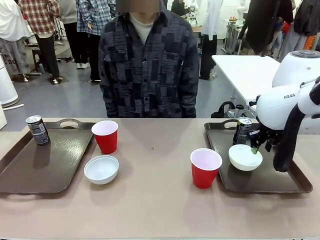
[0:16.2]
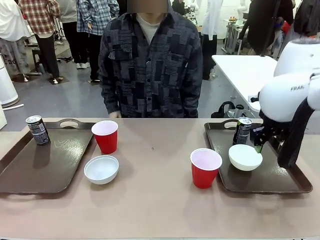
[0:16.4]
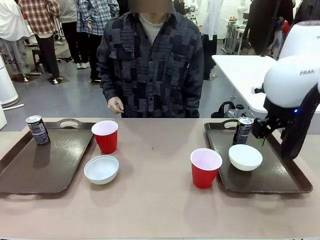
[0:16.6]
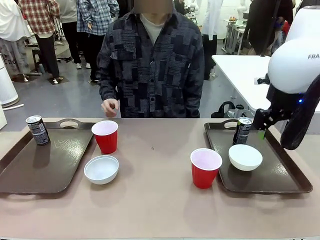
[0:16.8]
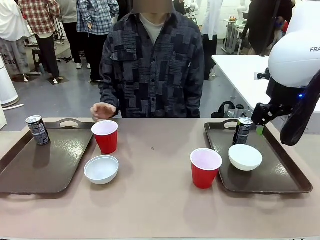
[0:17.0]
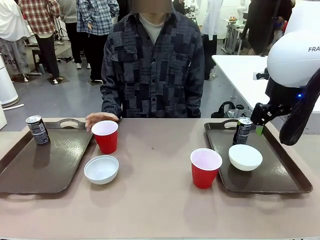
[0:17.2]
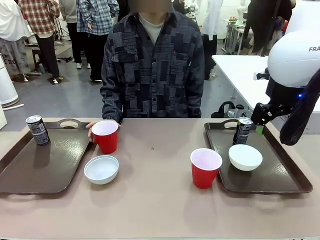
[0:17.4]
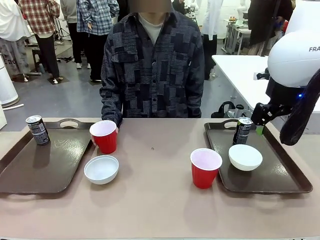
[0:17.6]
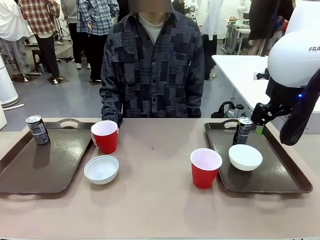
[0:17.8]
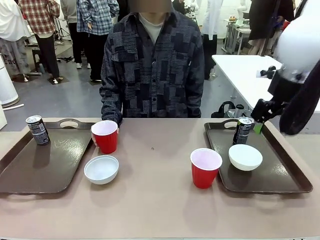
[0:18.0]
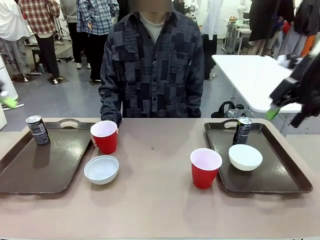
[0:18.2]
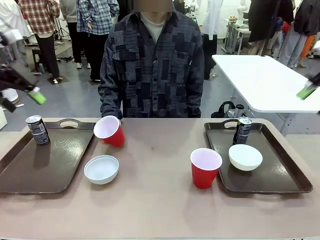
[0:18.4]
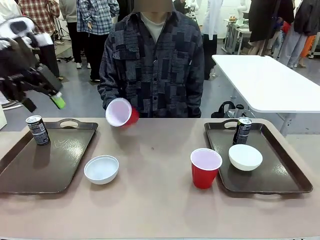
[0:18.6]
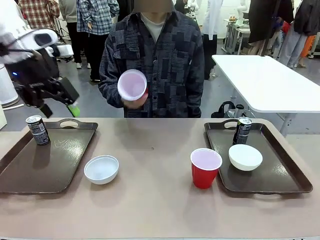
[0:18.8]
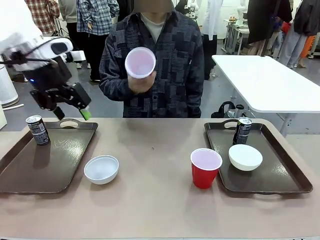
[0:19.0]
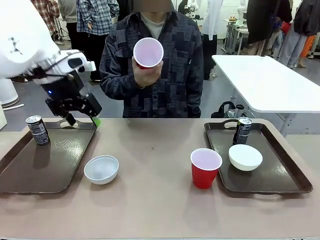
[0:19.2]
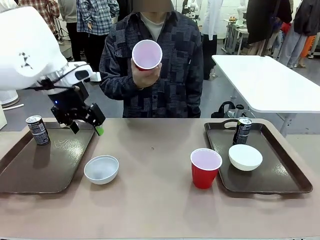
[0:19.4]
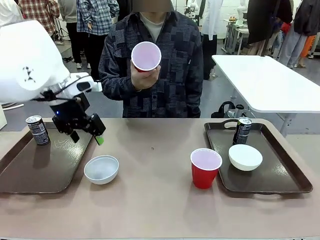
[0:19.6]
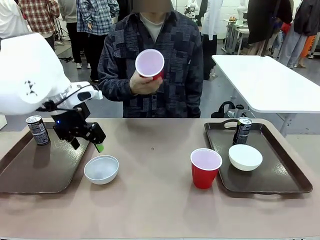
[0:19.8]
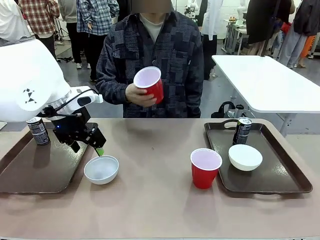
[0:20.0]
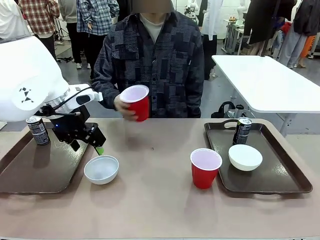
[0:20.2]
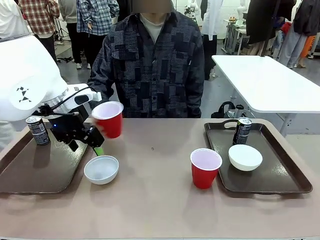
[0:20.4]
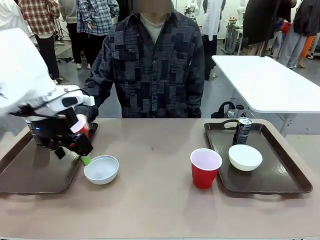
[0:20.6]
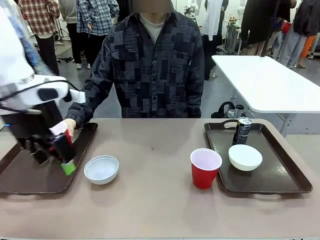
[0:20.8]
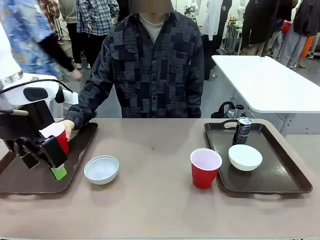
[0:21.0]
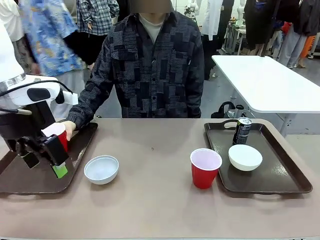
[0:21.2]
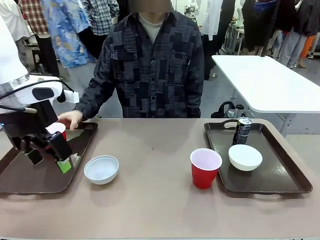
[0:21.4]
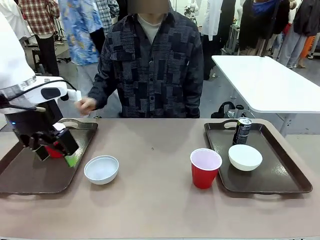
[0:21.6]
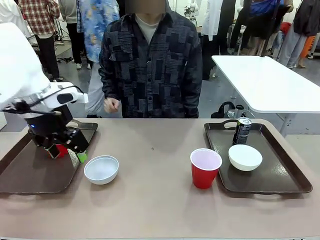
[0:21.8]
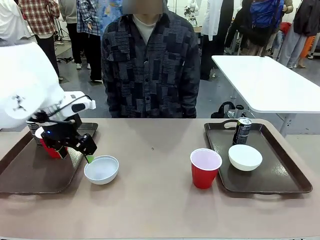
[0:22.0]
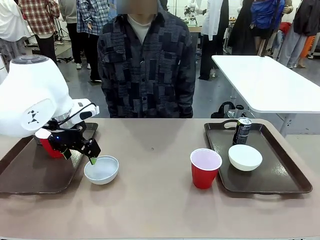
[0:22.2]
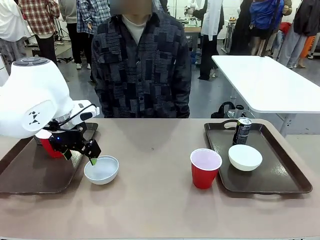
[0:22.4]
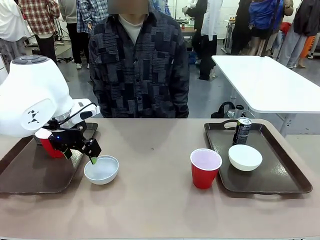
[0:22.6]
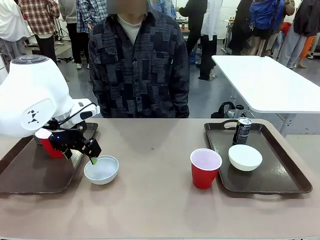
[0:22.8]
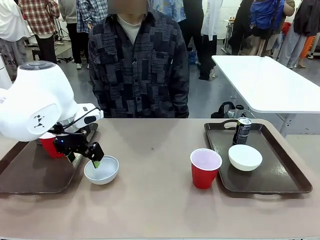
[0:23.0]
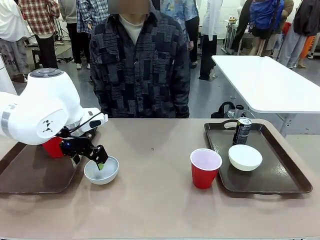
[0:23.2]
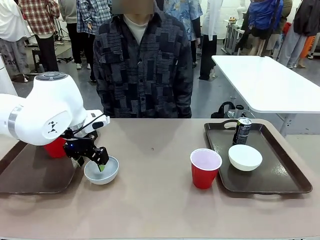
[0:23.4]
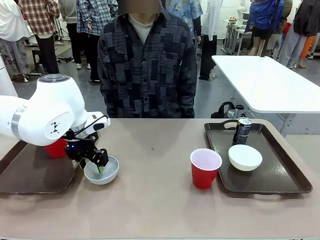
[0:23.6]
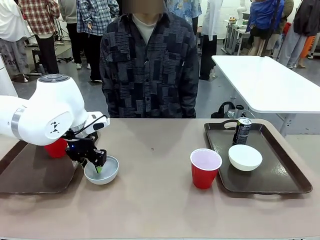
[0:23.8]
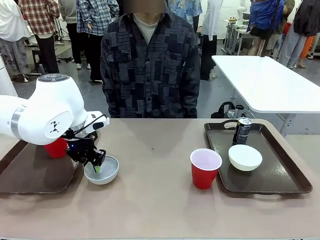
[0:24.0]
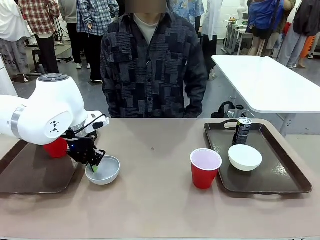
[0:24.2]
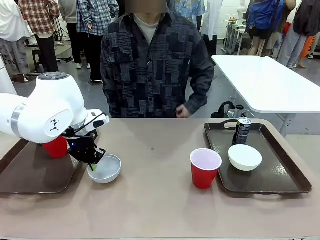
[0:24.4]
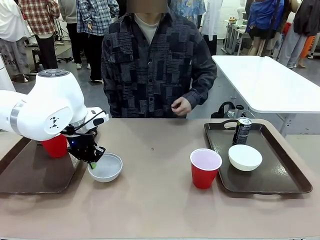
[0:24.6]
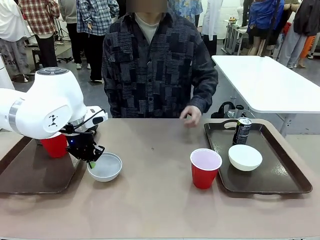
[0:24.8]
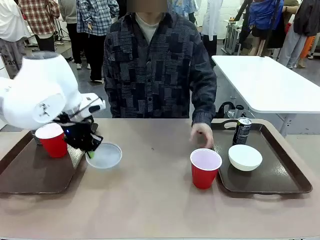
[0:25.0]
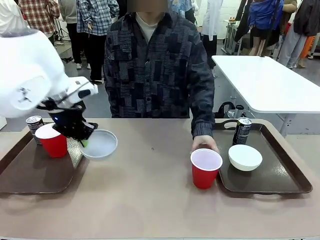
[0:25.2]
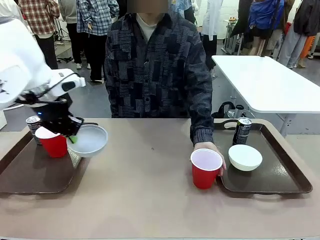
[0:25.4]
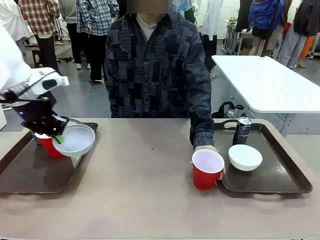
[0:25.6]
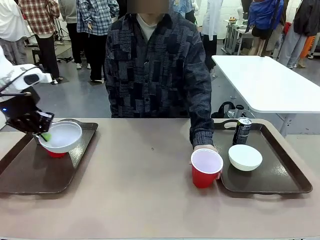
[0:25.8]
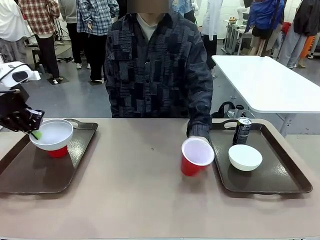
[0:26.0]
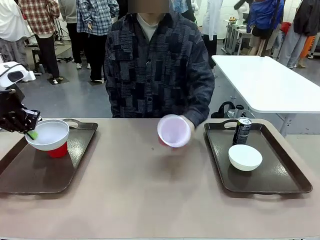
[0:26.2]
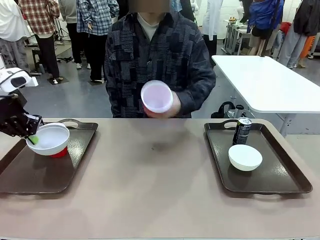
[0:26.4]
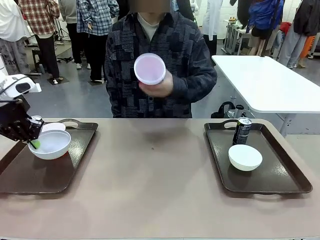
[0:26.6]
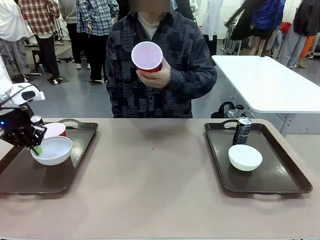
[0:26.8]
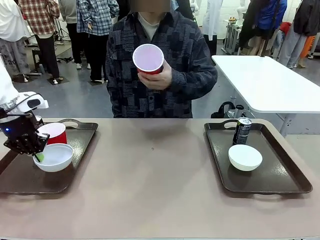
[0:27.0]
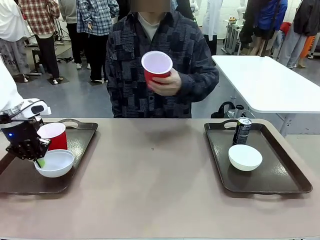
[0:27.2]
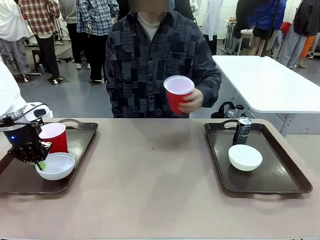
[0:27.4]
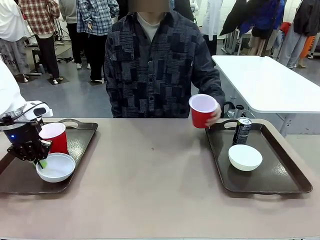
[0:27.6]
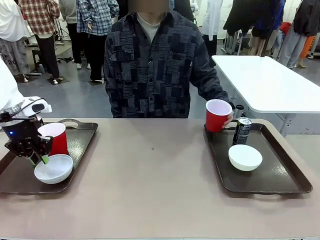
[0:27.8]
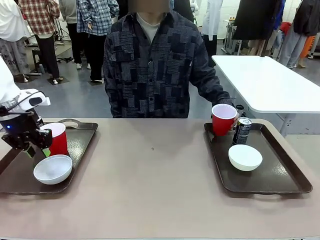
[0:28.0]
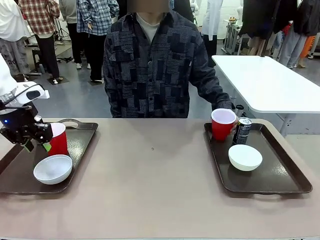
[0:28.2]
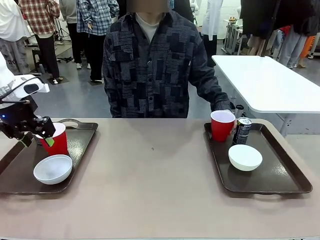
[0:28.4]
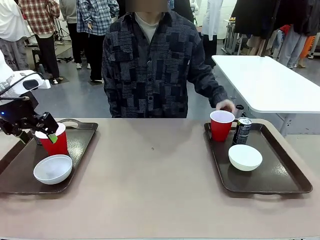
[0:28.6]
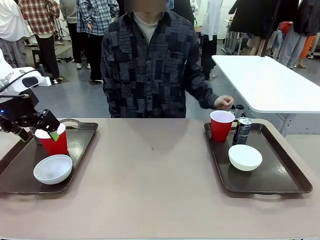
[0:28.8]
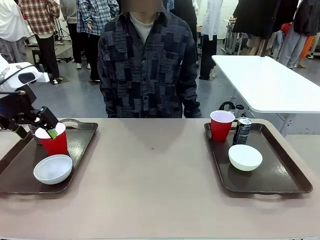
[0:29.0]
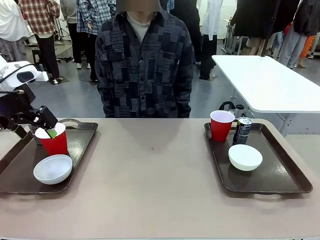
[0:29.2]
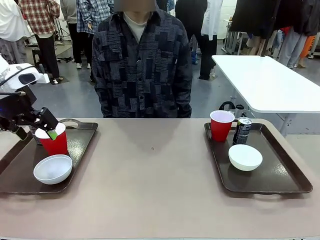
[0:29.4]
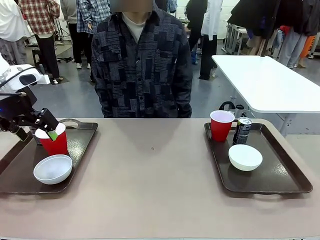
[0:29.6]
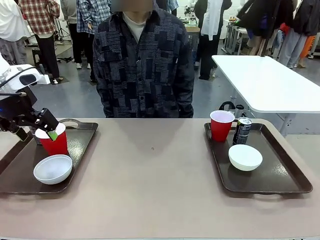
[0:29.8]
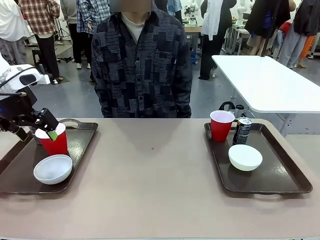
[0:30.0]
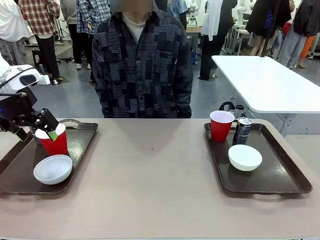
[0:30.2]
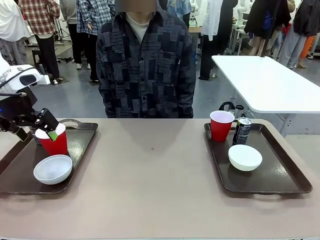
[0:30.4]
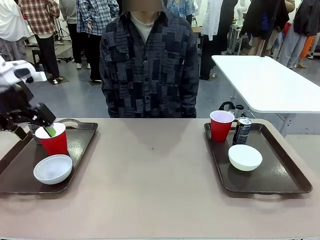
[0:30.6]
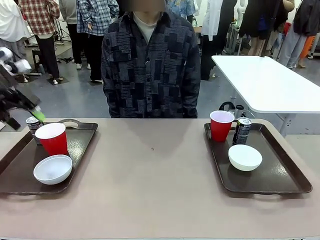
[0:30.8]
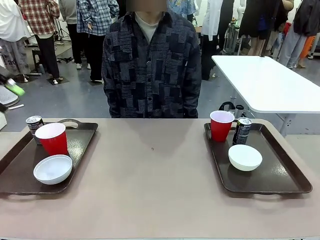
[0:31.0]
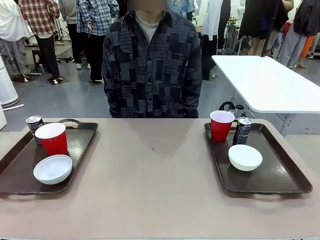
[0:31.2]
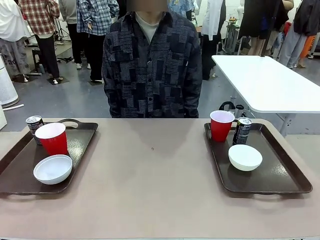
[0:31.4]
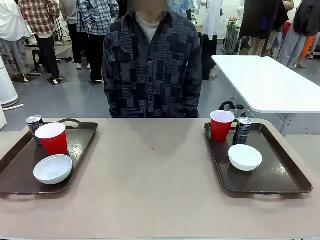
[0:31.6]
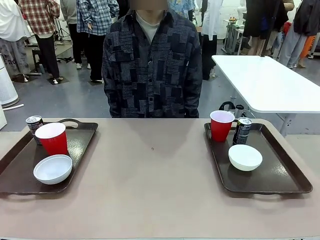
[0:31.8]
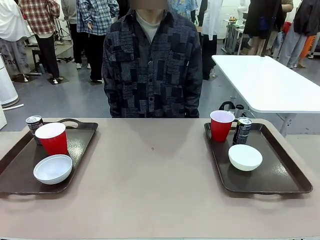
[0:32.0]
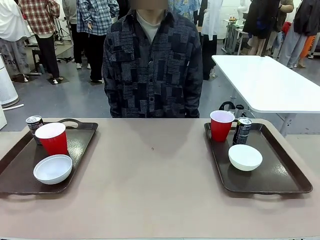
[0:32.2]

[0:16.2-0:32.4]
Task: Prepare tableware on both trays.
Robot: Pick up a Picnic Bowl from the table and place it on a Handle tray.
Person: Pick up a can or cup and place it on the tray without a can or cup.
